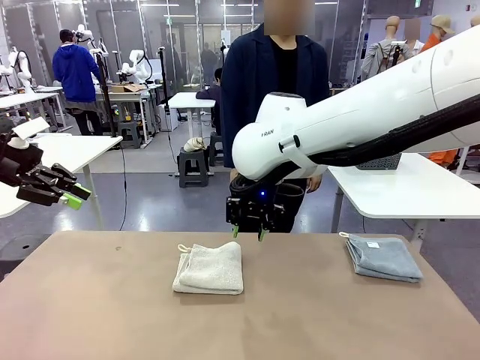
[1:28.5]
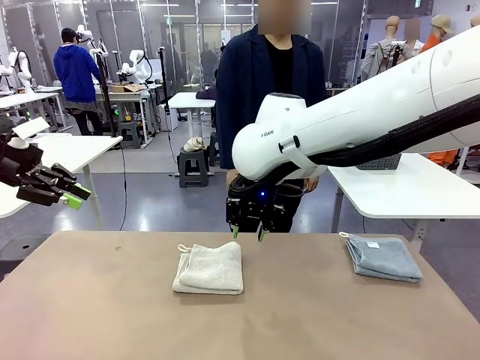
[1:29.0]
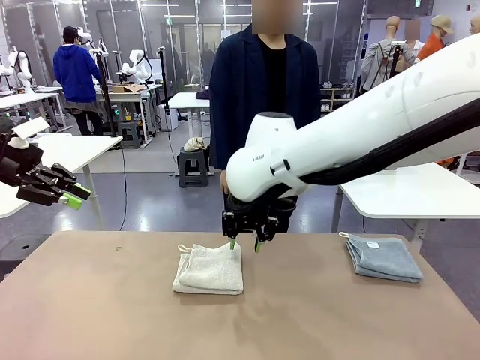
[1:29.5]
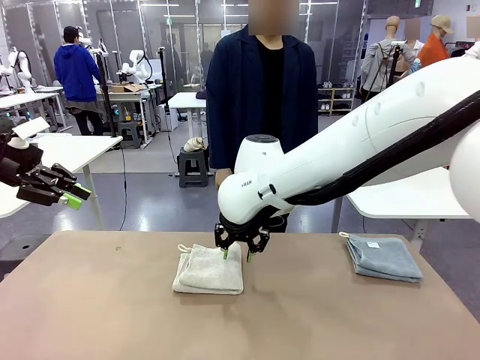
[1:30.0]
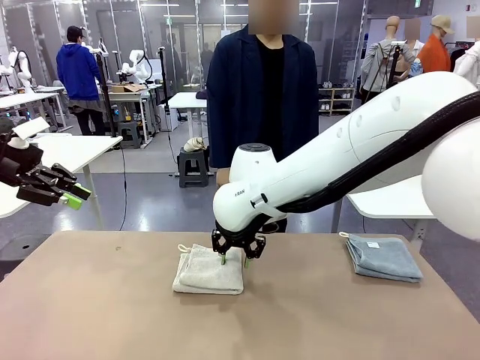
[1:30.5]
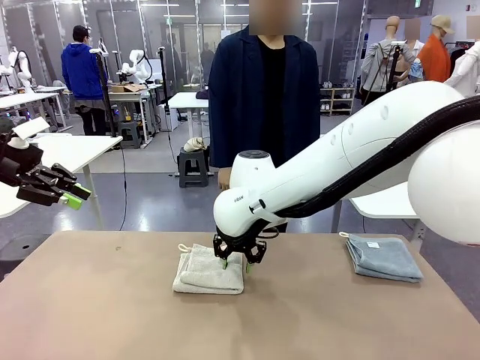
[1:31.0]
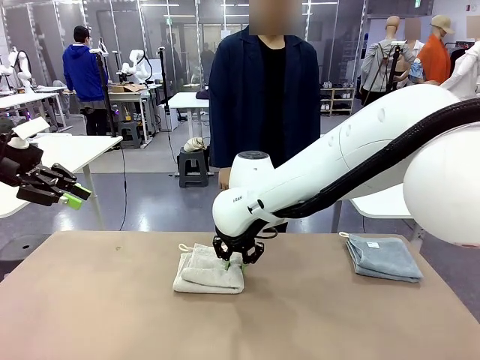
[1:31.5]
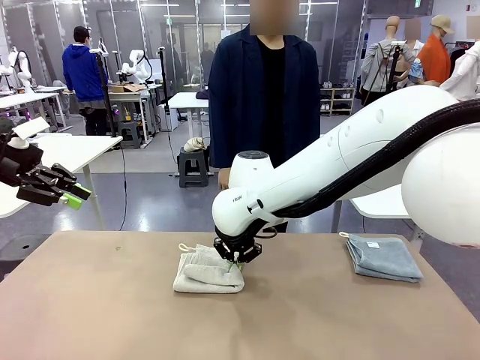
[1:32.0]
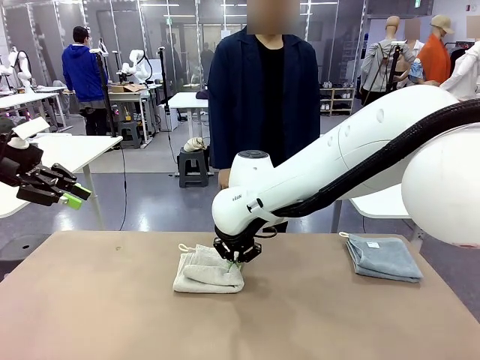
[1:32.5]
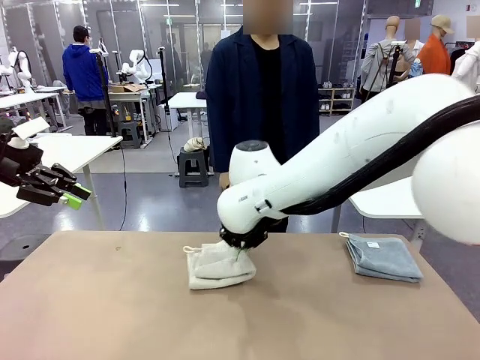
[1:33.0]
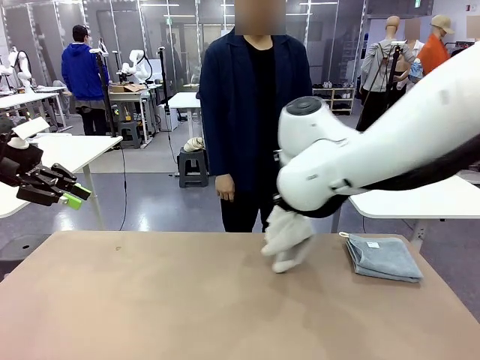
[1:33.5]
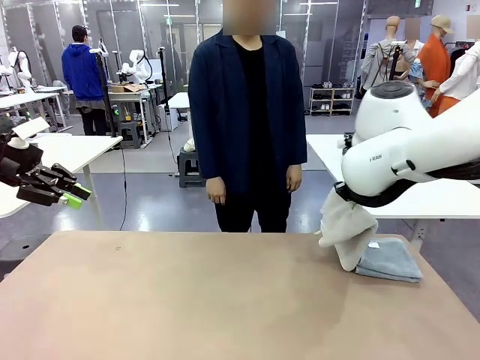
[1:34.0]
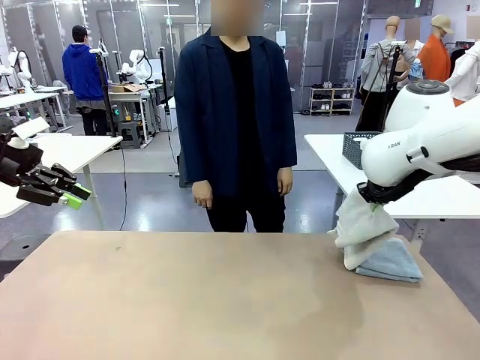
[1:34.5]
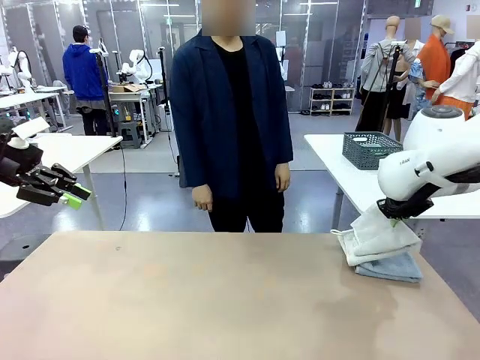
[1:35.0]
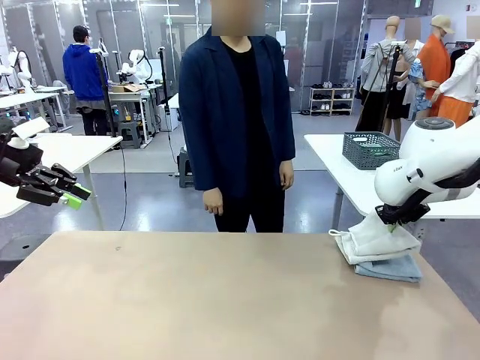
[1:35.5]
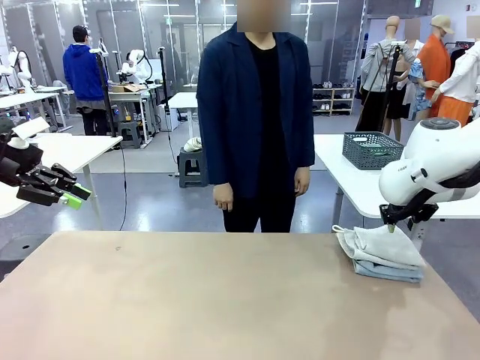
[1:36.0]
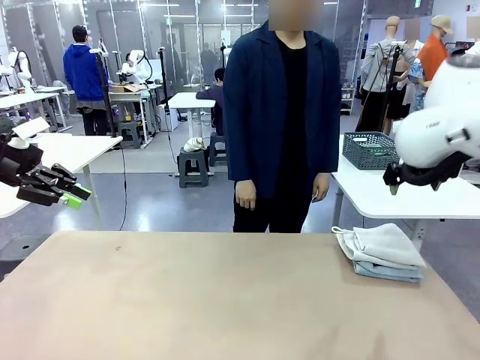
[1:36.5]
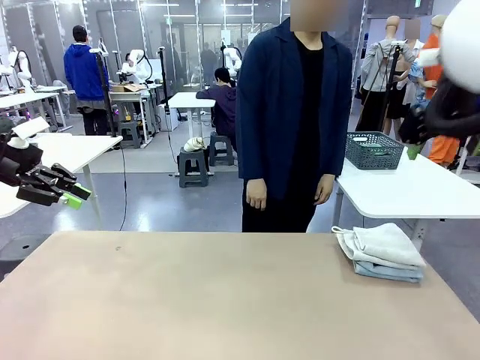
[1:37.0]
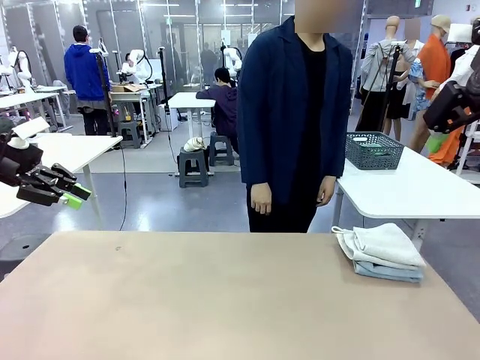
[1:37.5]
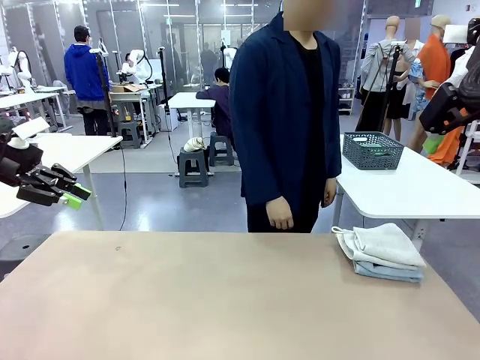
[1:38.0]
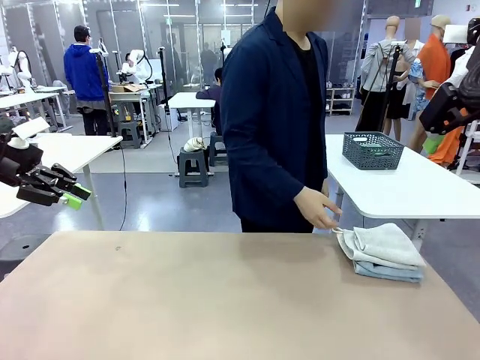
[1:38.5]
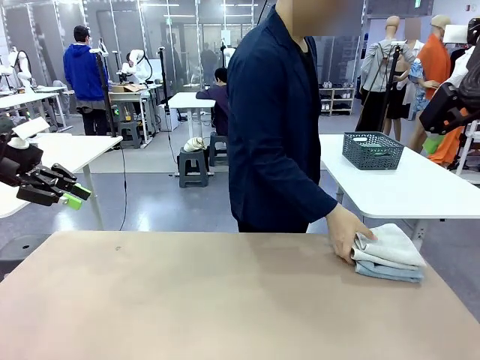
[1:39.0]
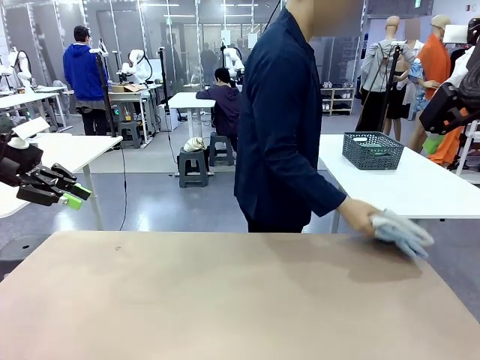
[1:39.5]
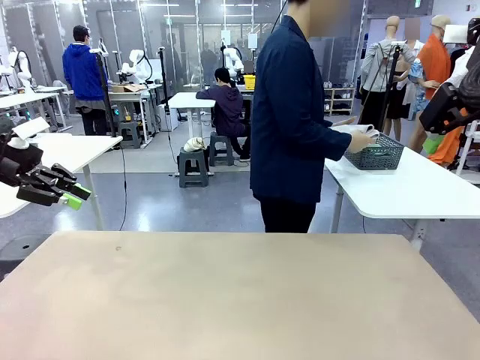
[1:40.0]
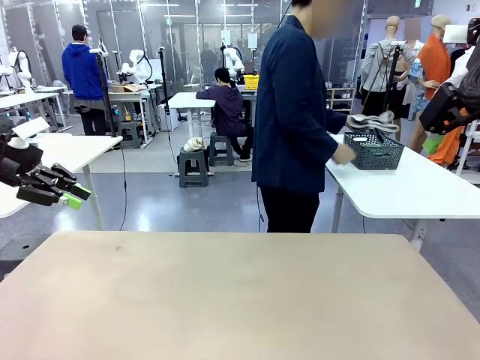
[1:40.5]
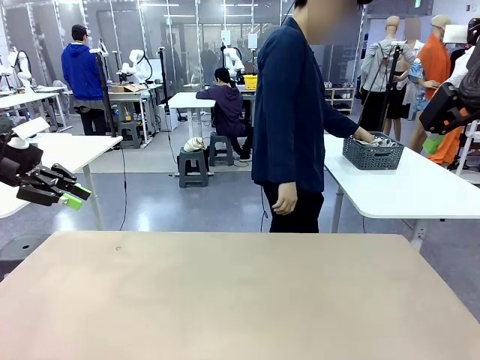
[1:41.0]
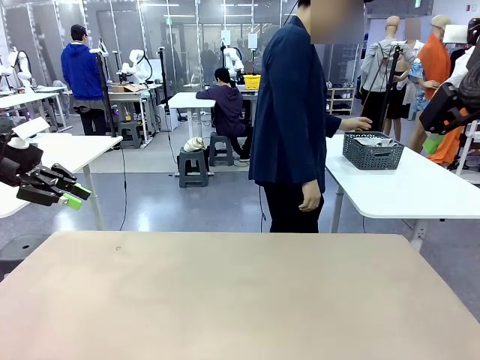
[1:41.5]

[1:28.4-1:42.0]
Task: Fold the towels and place them in the basket.
Robot: Stack the folded Towel with hook on the right side of the table.
Person: Pick up the stack of towels from the robot table and place it into the basket.

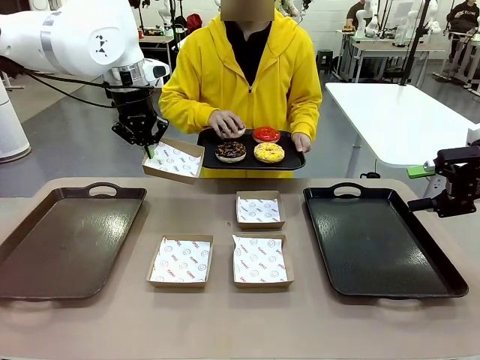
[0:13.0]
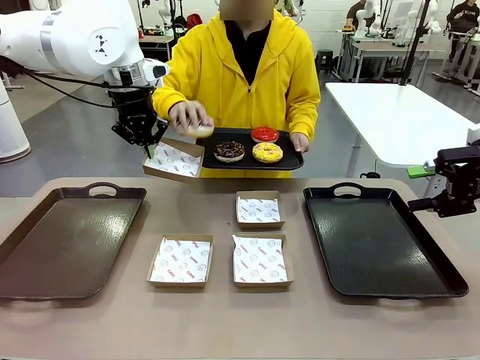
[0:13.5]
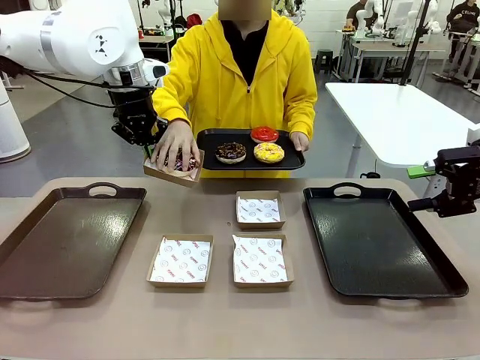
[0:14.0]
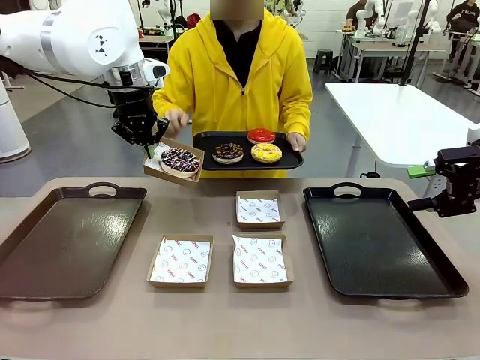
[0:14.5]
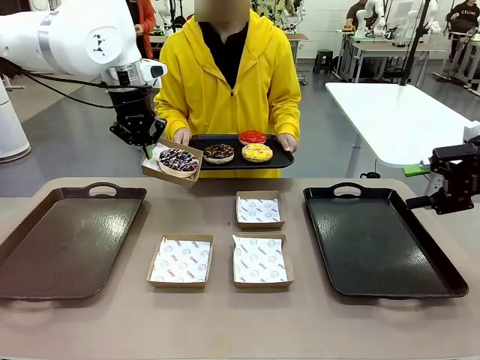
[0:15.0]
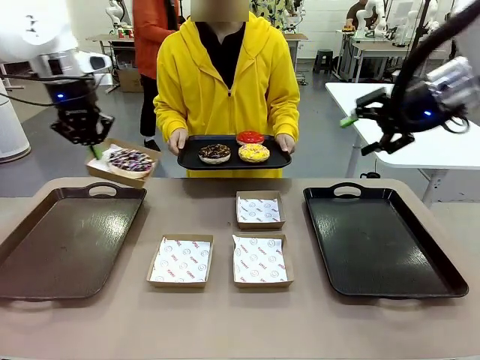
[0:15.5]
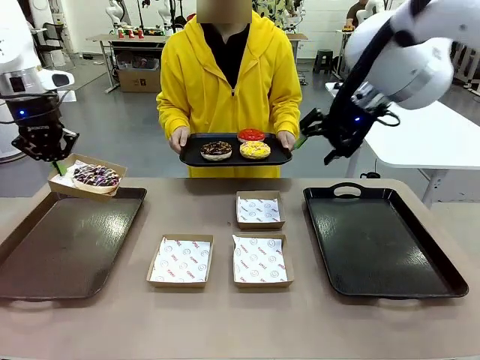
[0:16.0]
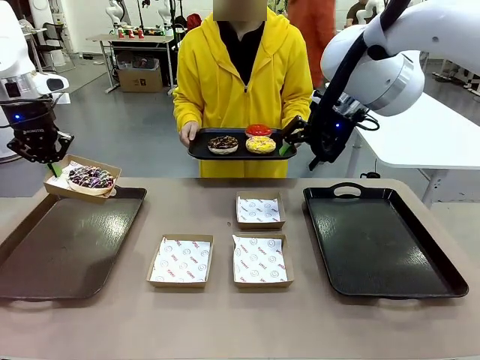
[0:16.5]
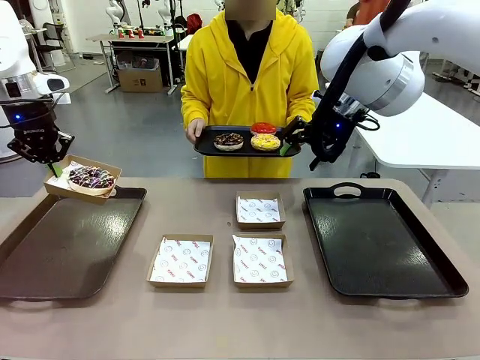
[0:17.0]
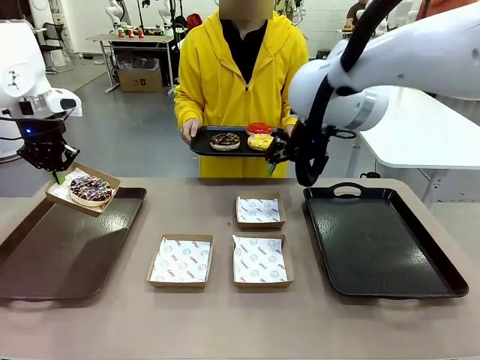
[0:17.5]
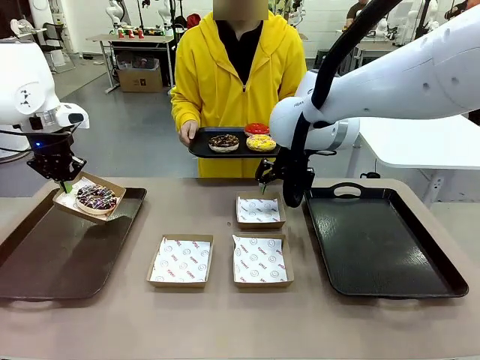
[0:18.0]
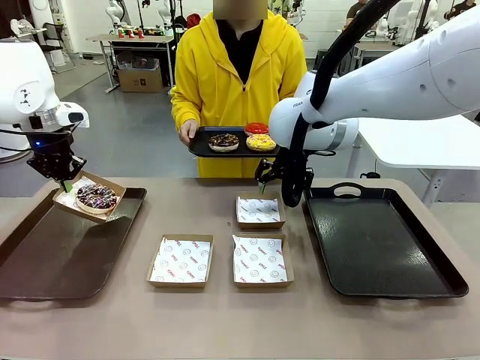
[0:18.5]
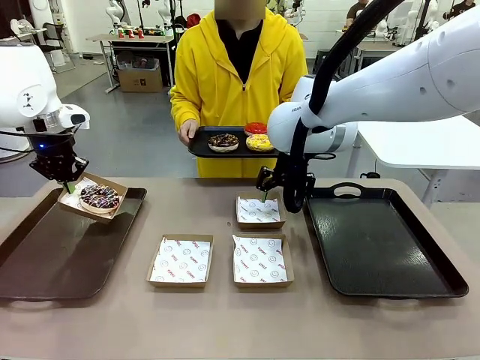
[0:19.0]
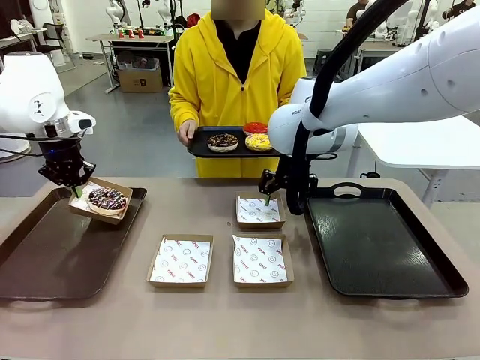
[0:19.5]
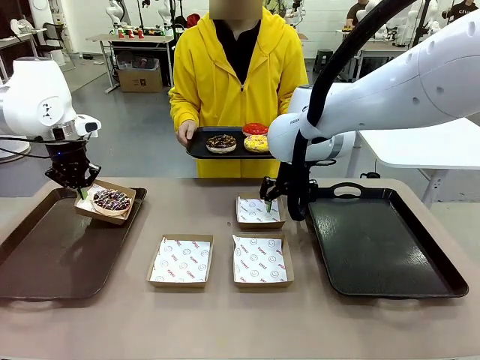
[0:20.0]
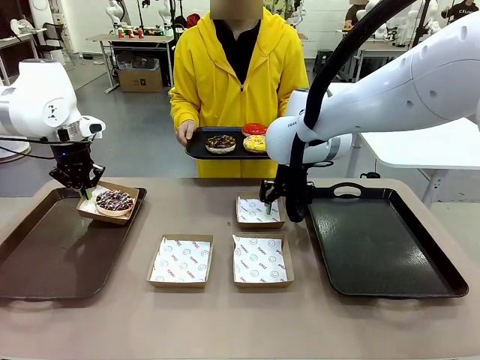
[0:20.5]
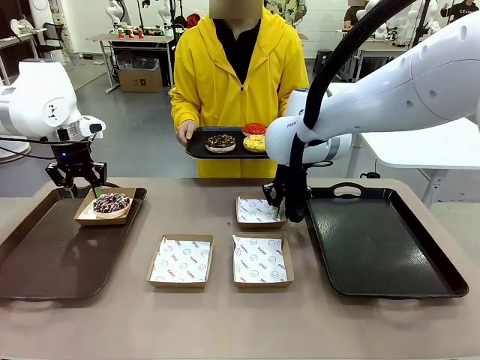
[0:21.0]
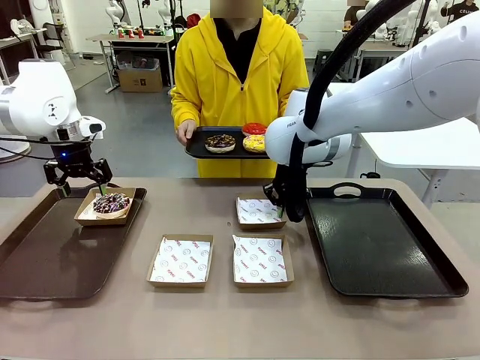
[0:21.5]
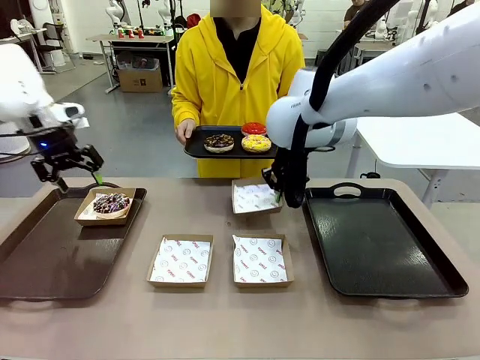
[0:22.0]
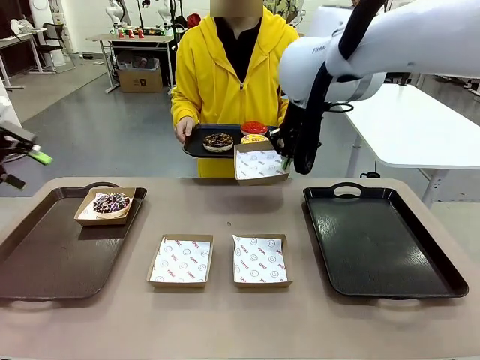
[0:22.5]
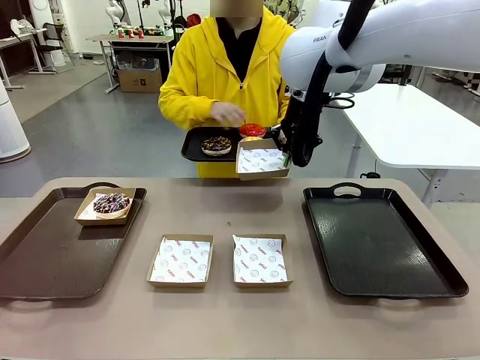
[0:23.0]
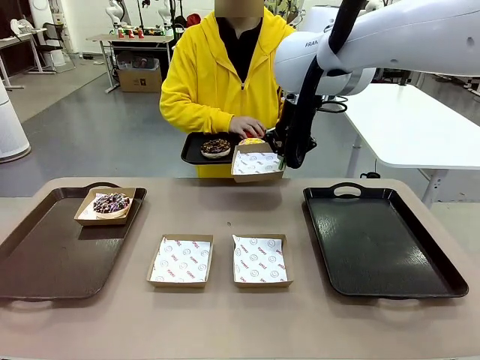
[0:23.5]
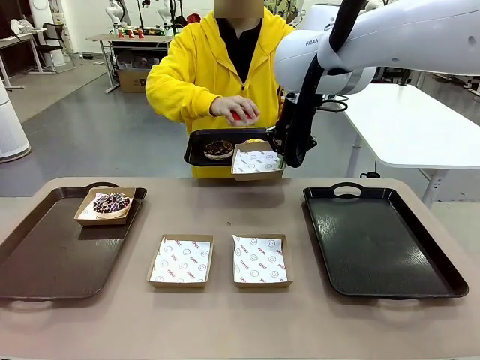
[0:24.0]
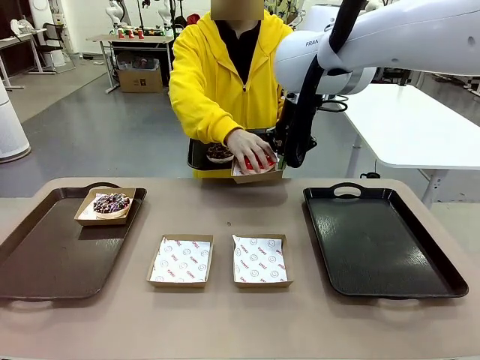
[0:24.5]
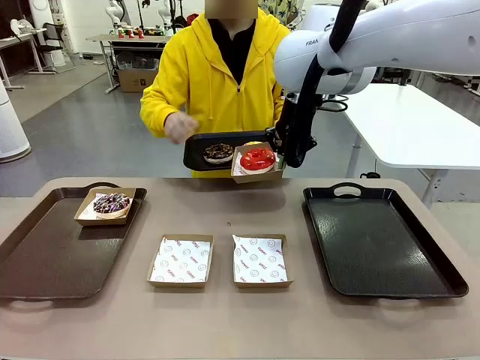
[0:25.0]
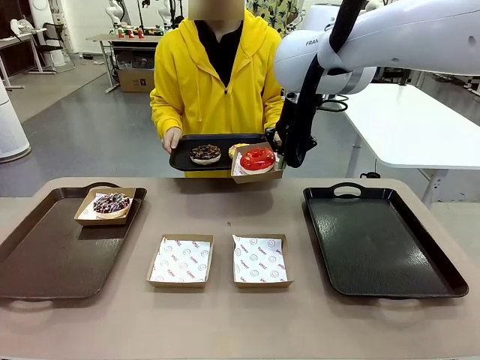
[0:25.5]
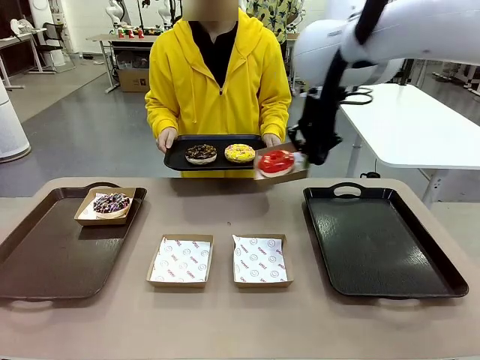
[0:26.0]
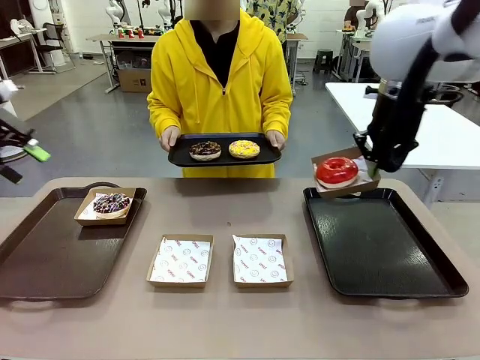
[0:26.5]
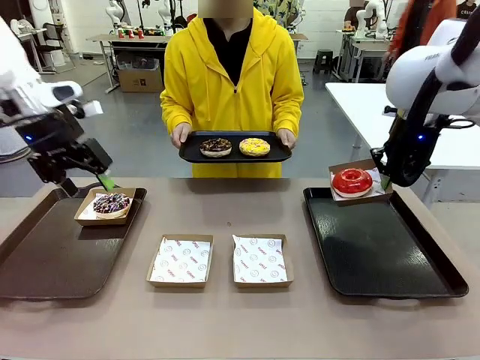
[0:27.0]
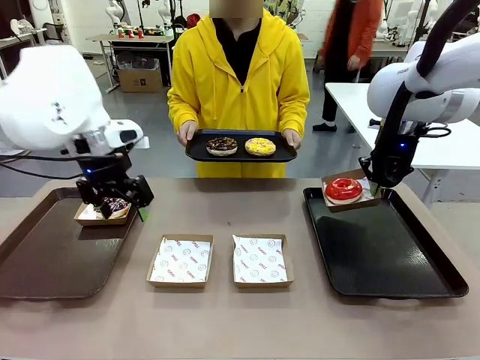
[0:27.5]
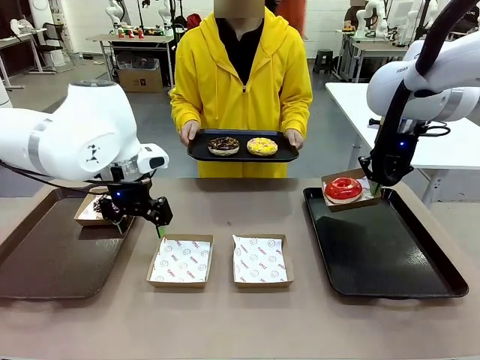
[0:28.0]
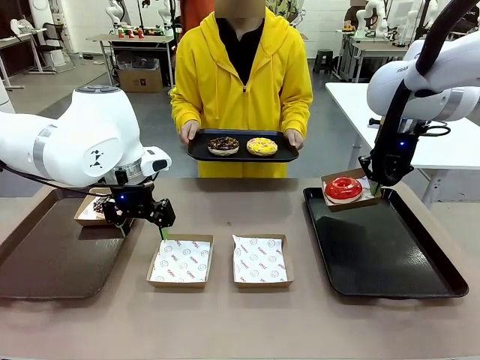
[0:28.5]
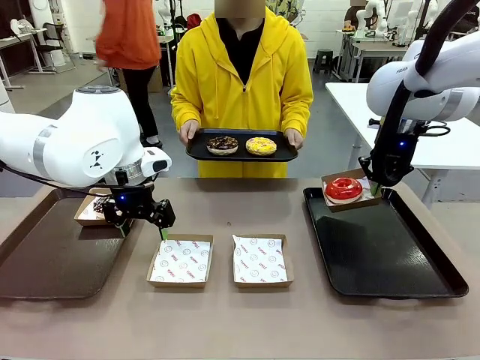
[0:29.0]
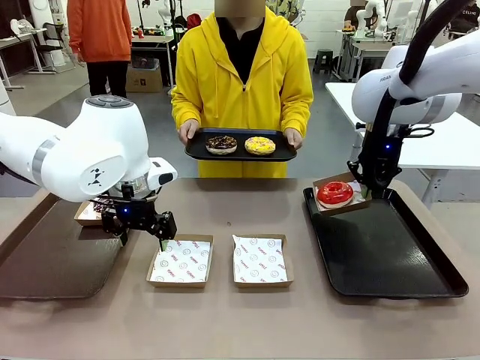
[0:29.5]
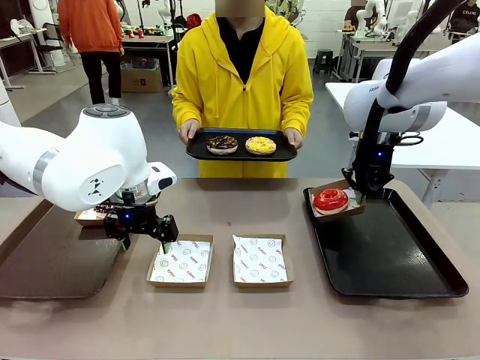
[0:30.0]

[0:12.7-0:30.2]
Task: Individually package the donuts and arrange them on the tray.
Robot: Place the picked Paper togo box on the Handle tray while simultaneously picking up another Paper togo box from the table with the other hand.
